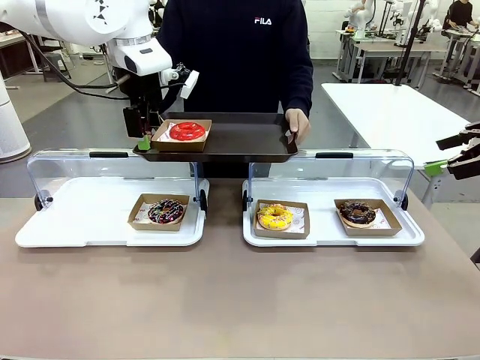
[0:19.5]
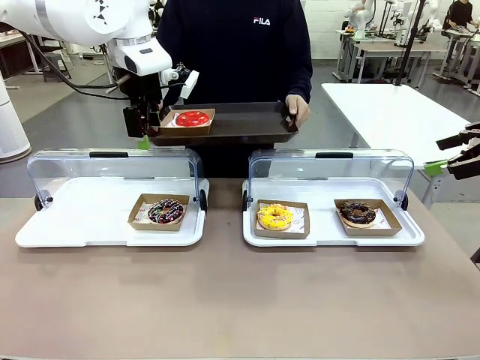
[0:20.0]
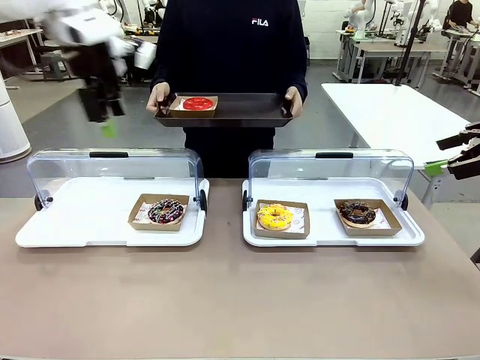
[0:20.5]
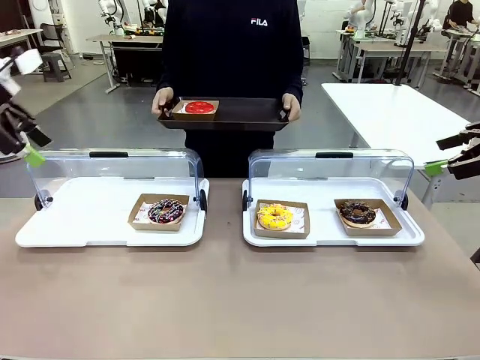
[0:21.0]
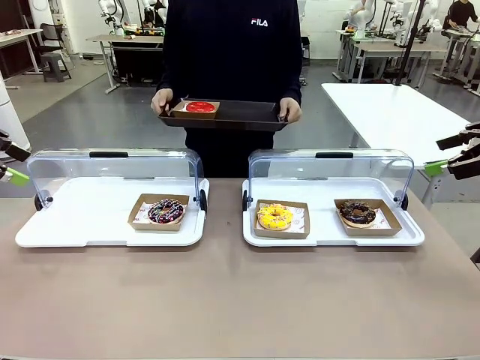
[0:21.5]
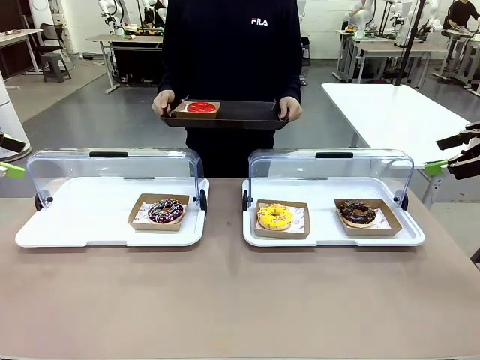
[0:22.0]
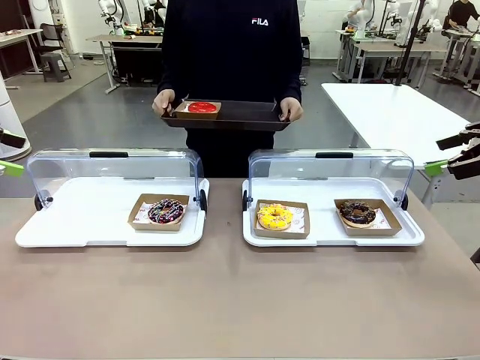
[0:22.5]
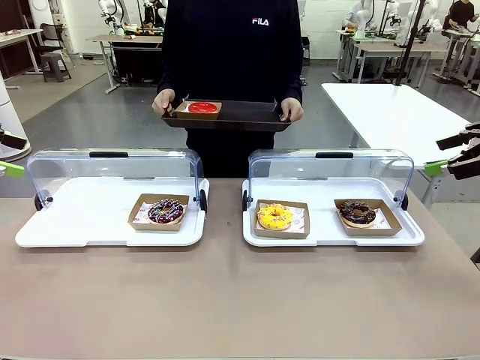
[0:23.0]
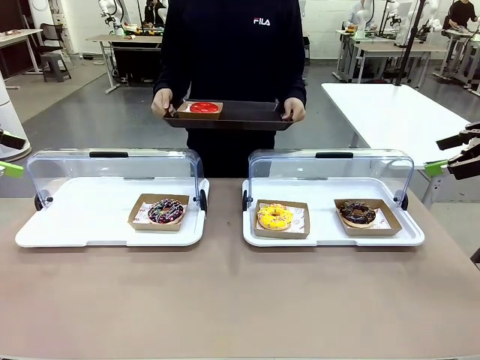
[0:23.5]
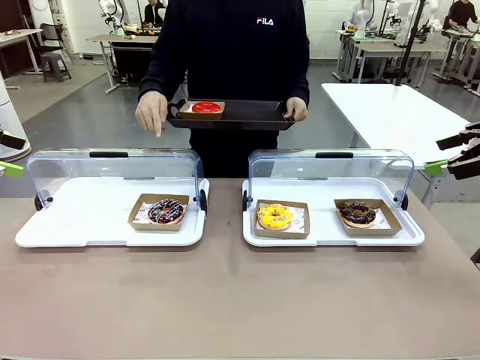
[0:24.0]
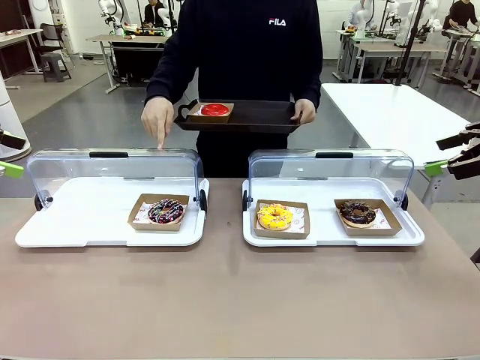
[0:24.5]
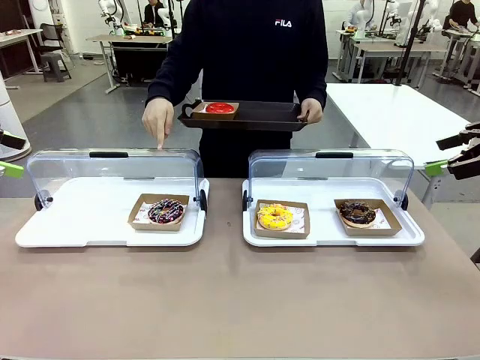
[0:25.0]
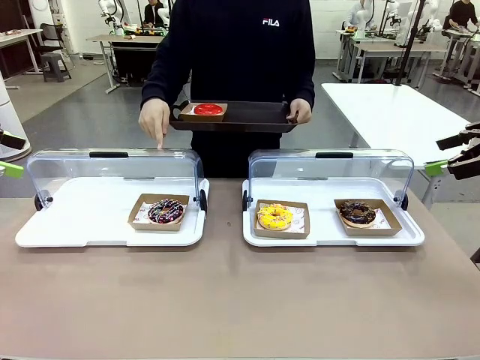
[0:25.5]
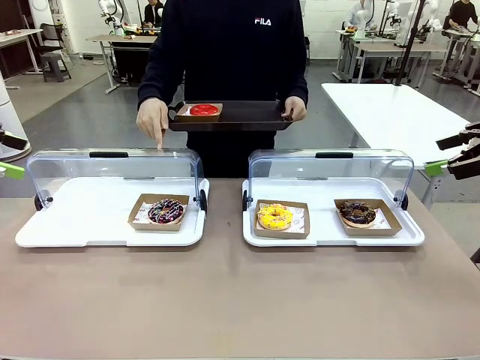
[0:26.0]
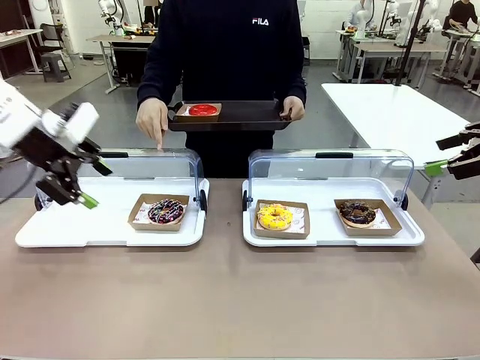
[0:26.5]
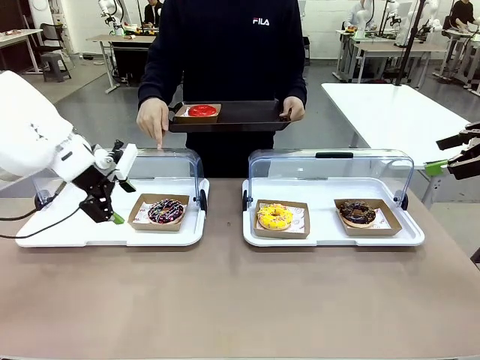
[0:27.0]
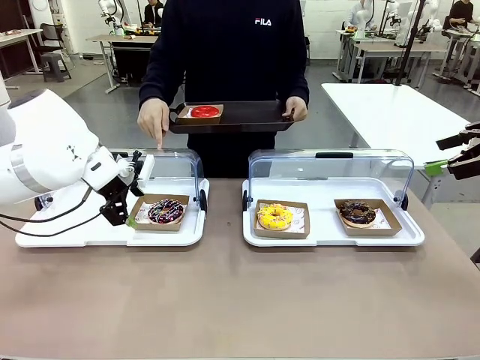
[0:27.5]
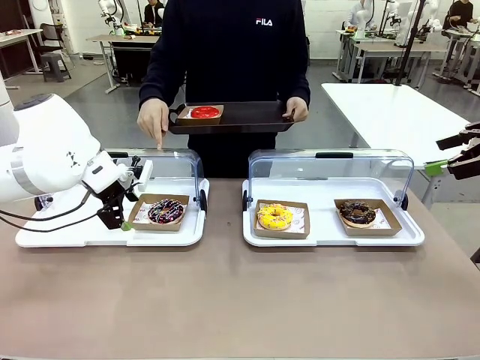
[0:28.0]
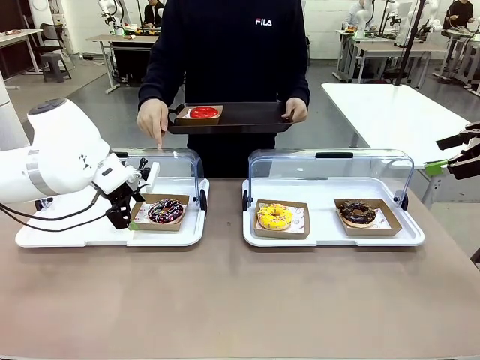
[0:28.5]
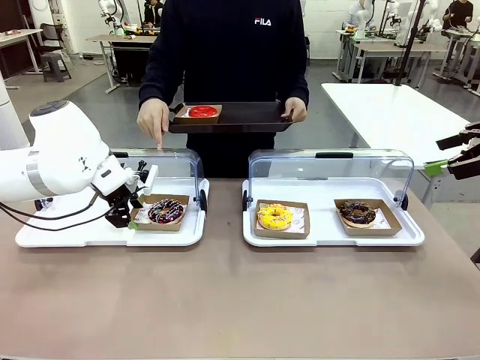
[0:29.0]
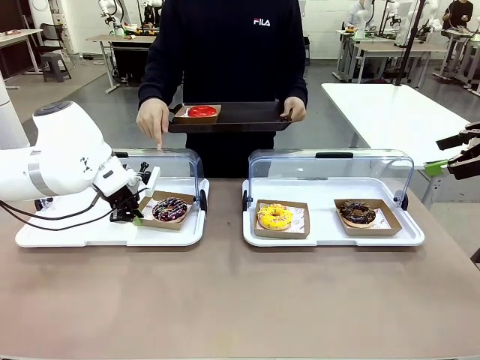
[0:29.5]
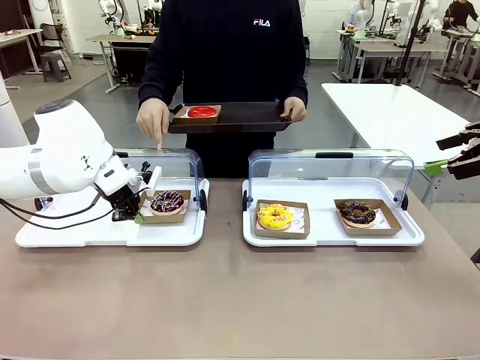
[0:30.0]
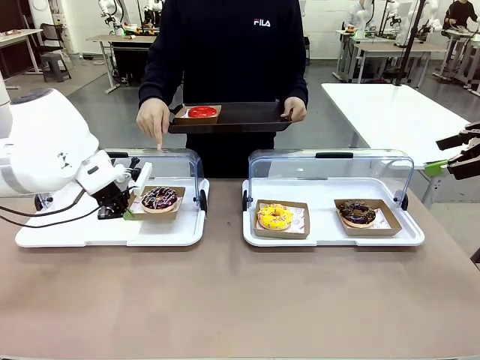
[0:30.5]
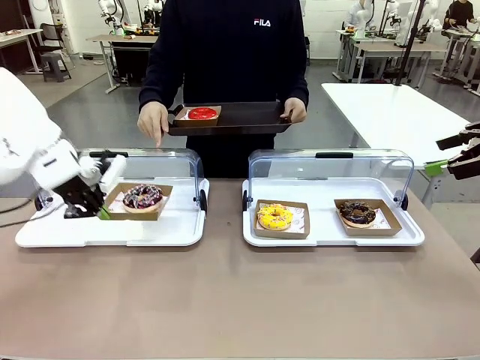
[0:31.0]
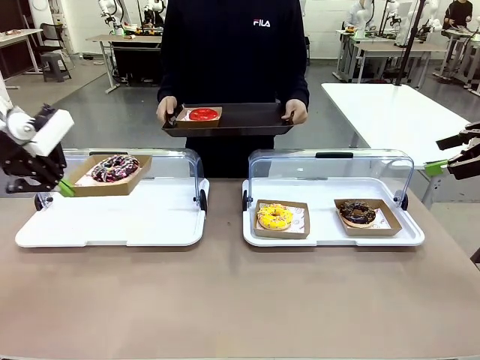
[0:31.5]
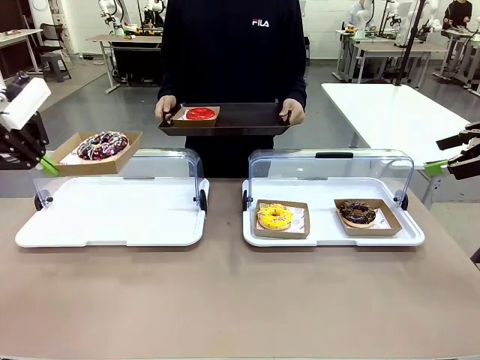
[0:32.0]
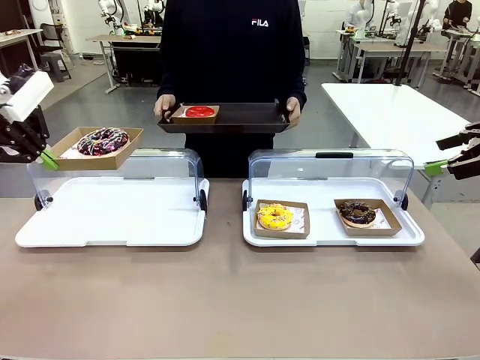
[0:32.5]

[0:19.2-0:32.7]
Task: Provide the desired donut to the person.
Robot: Pick up and lift the Paper togo box containing the Donut pointed at by the person.
Person: Point to one donut. Lift the tray onto the Roll-Top Bakery Case.

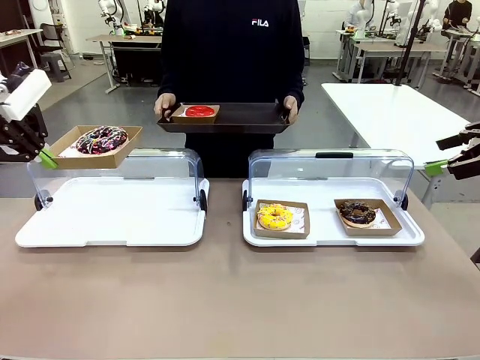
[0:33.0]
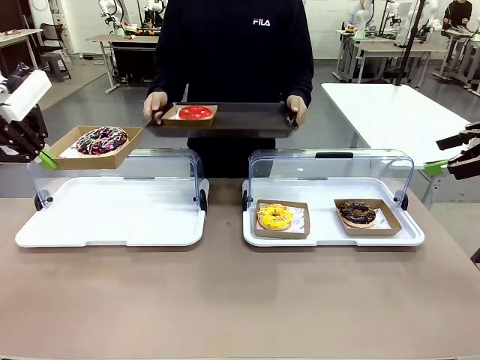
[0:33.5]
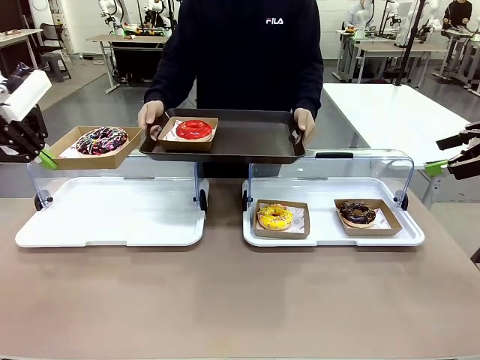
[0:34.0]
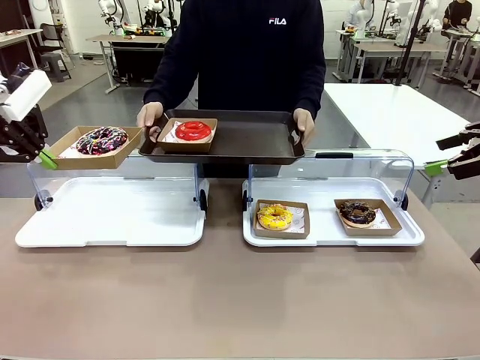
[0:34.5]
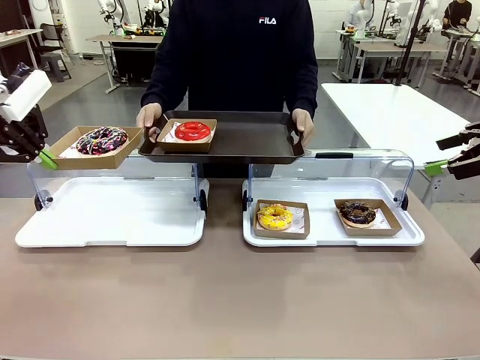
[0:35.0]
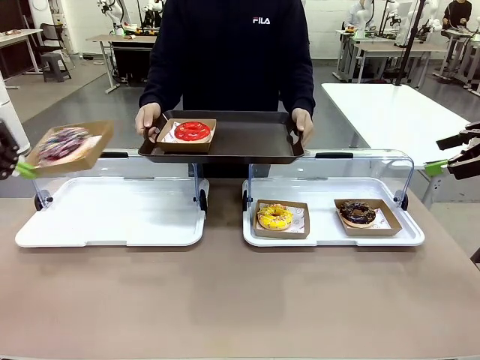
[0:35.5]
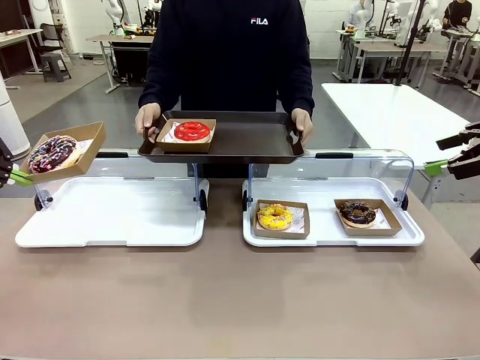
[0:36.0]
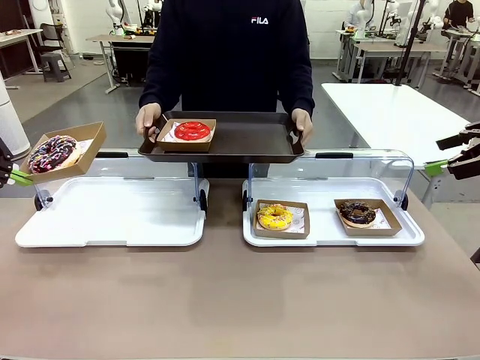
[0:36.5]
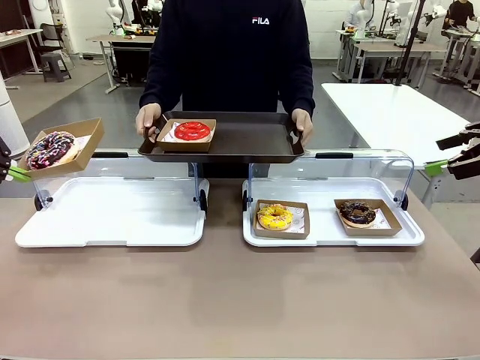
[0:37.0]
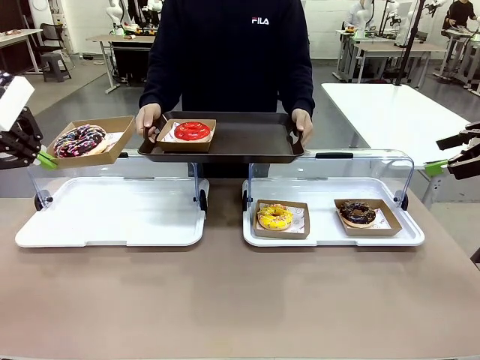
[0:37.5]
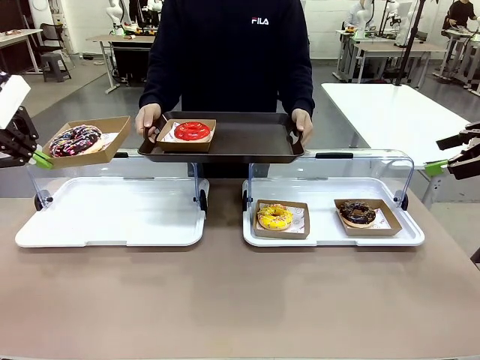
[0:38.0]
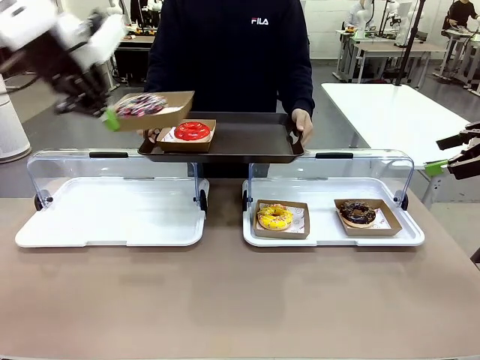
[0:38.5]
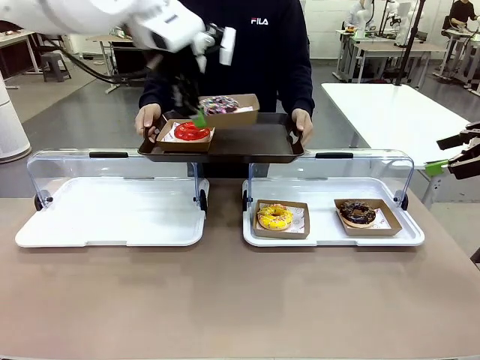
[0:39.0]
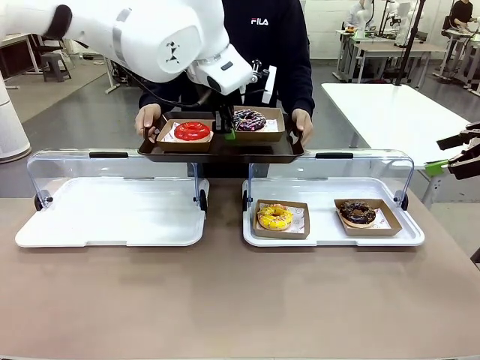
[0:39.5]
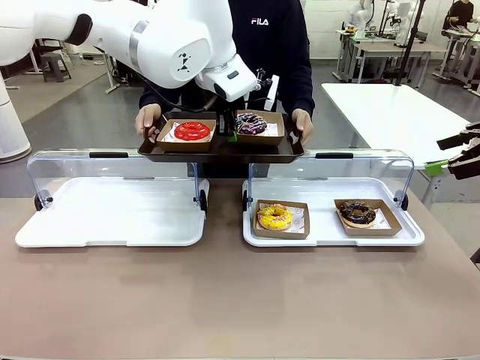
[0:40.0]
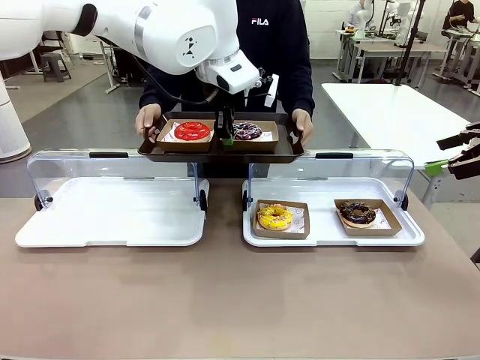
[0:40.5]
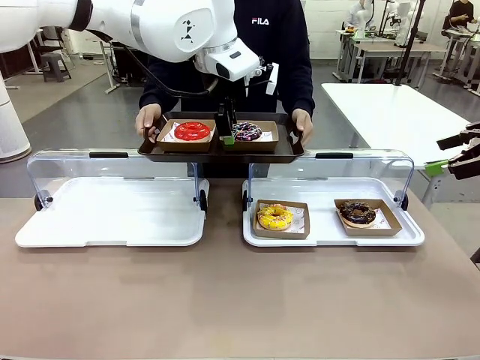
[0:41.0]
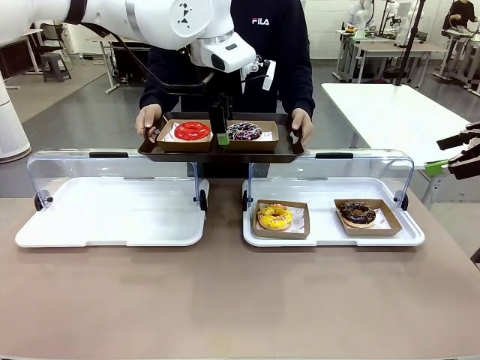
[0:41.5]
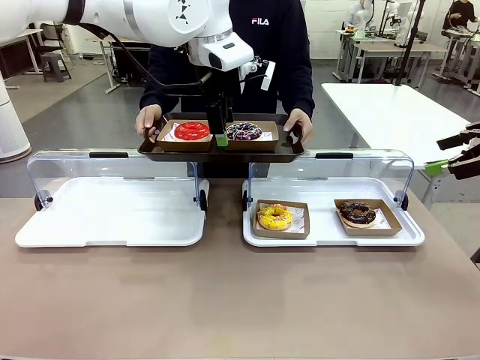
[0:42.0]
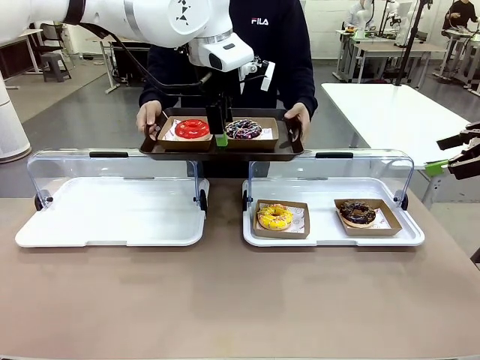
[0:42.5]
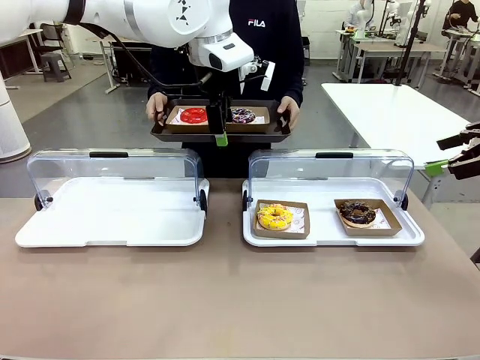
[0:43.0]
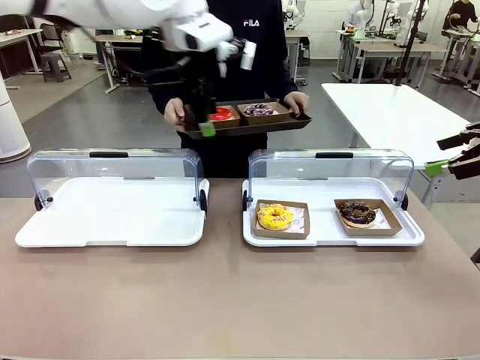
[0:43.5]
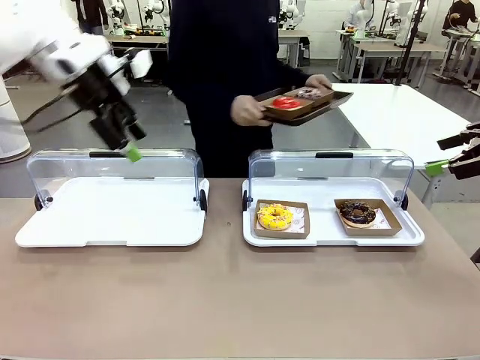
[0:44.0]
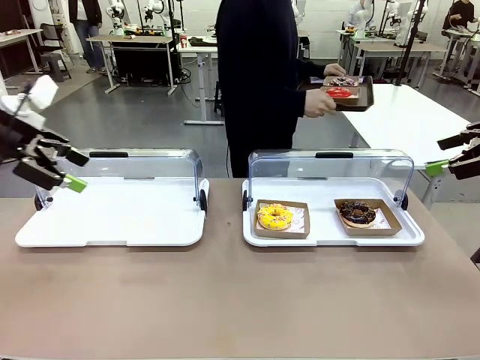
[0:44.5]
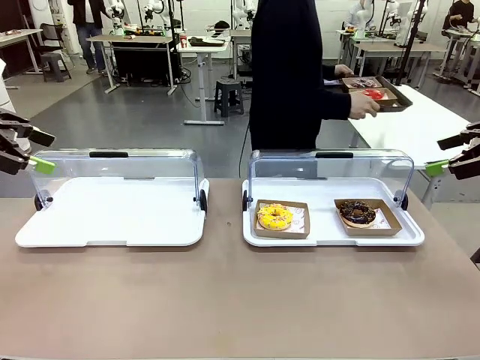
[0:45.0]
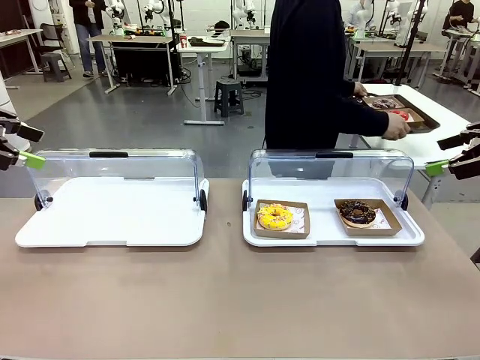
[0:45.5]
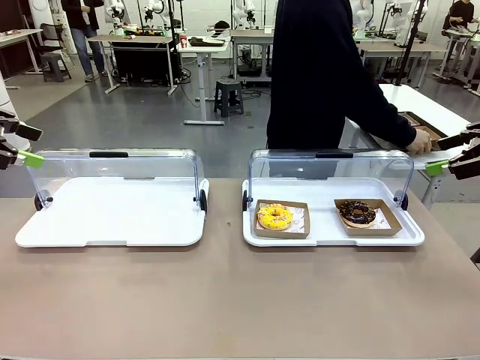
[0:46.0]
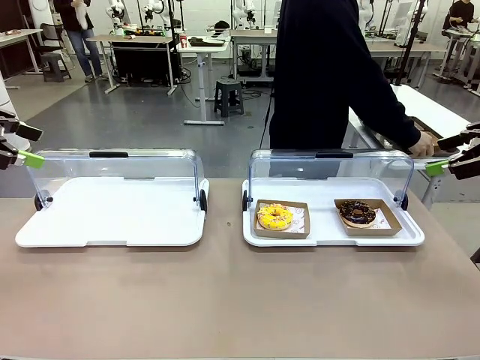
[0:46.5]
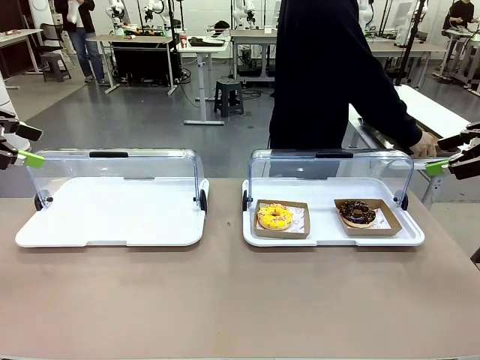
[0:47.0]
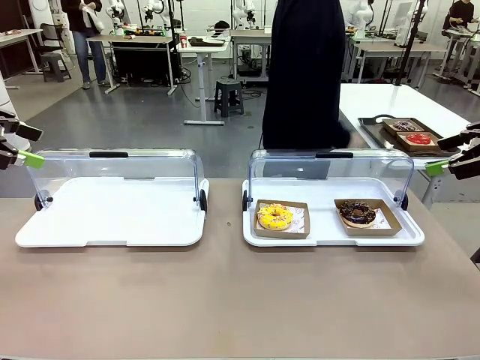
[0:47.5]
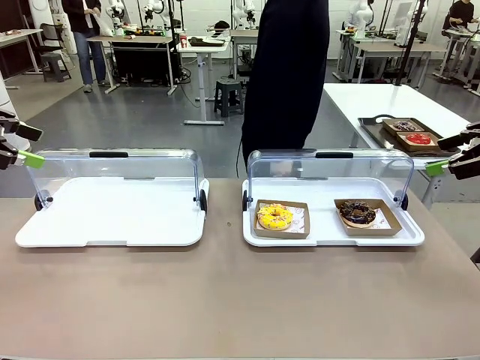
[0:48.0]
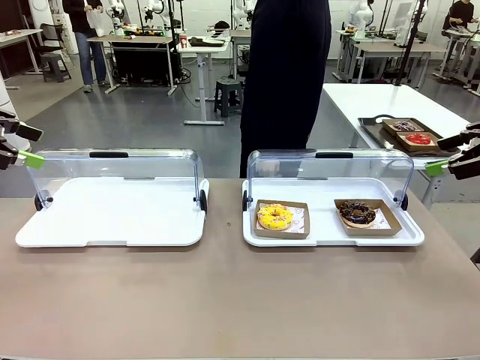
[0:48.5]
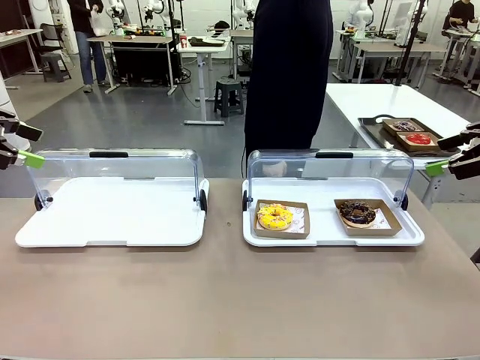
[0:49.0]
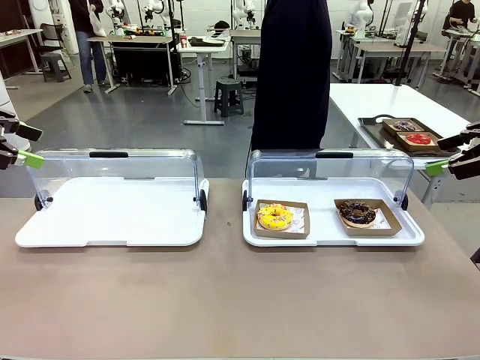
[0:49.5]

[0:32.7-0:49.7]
Robot: Place the picked Paper togo box onto the Handle tray extended by the person.
Person: Place the tray in the middle of the human table.
